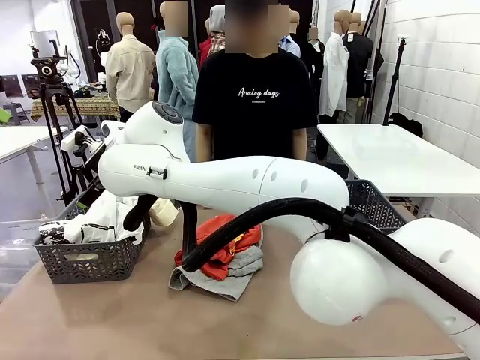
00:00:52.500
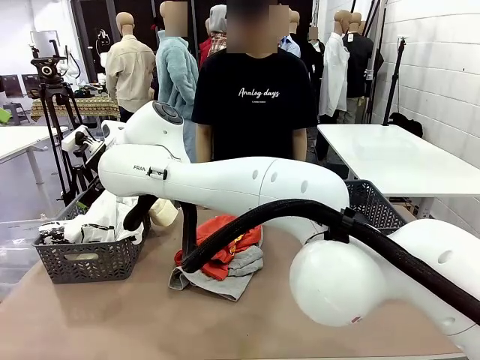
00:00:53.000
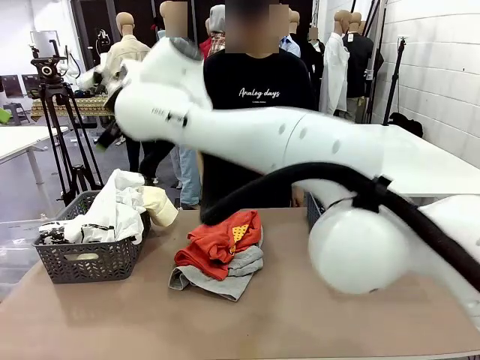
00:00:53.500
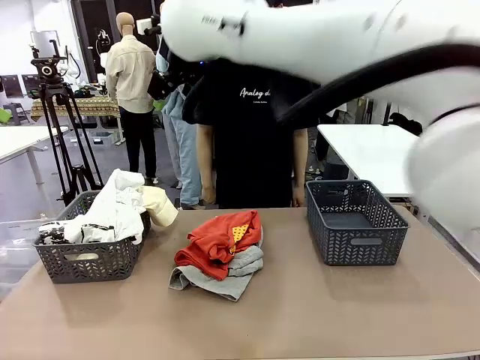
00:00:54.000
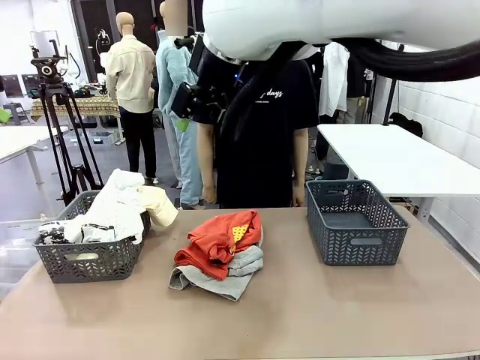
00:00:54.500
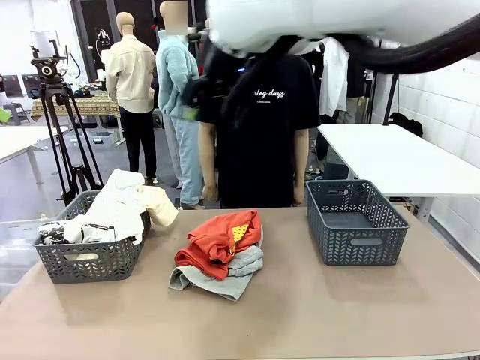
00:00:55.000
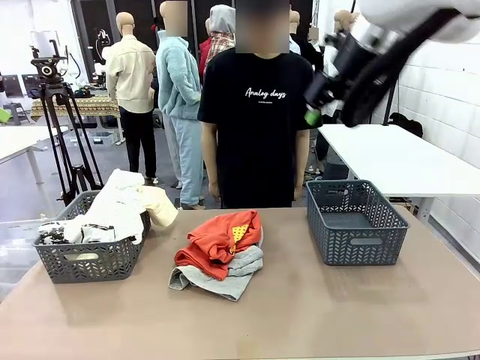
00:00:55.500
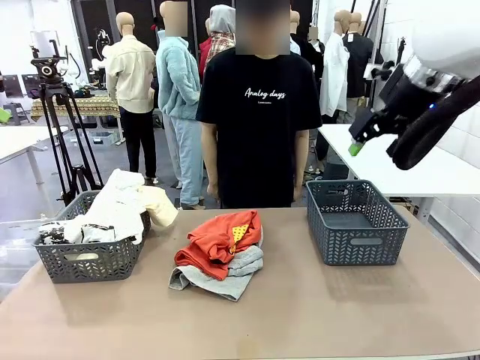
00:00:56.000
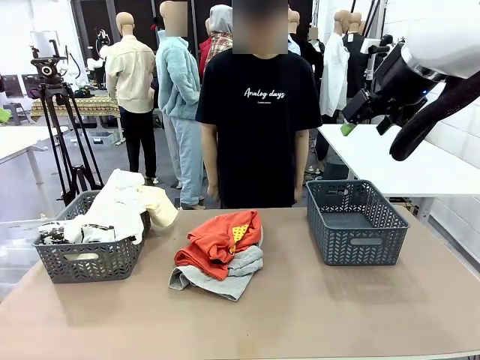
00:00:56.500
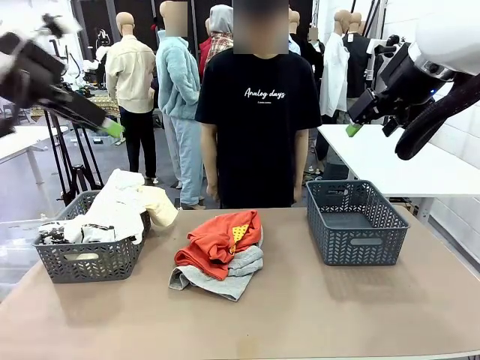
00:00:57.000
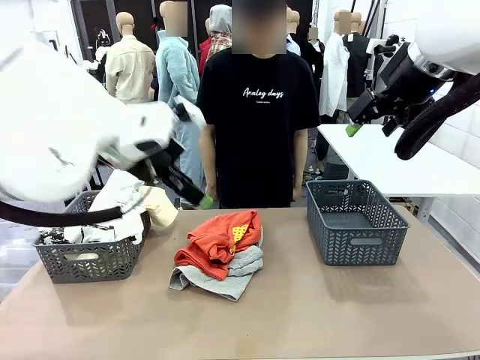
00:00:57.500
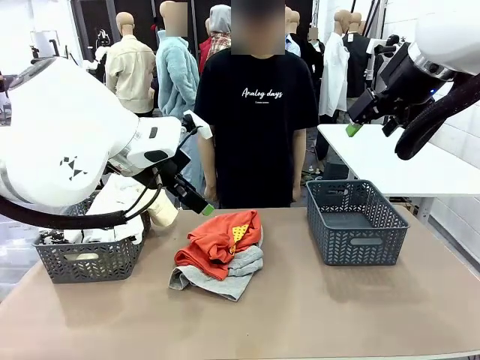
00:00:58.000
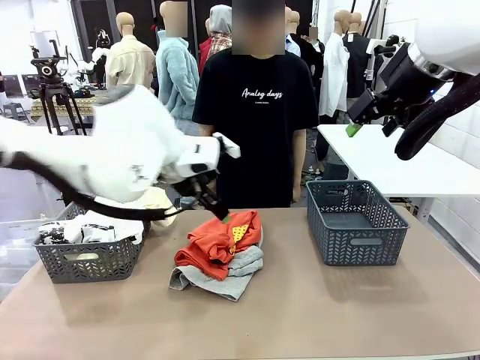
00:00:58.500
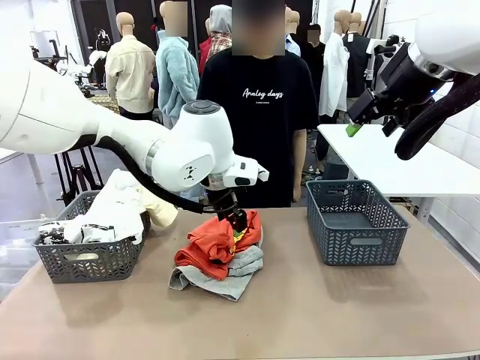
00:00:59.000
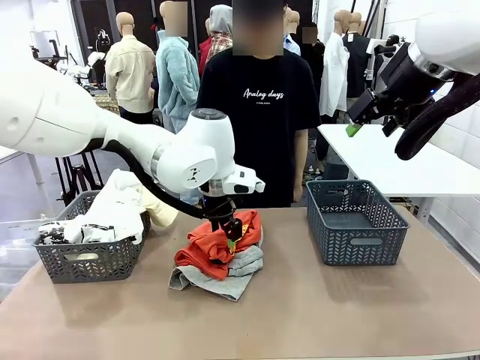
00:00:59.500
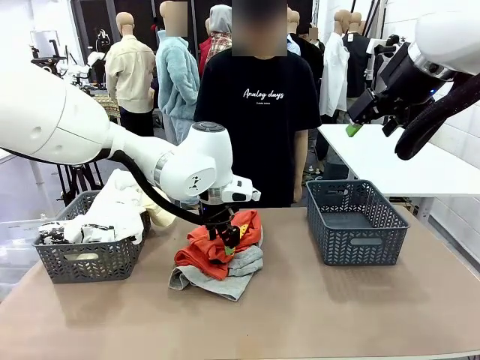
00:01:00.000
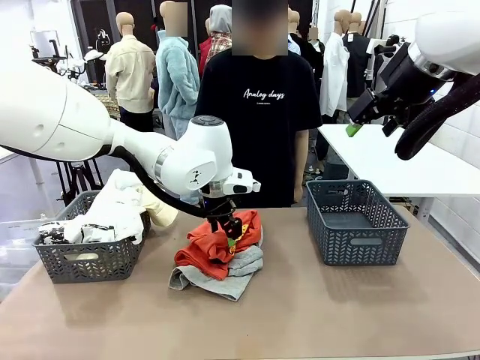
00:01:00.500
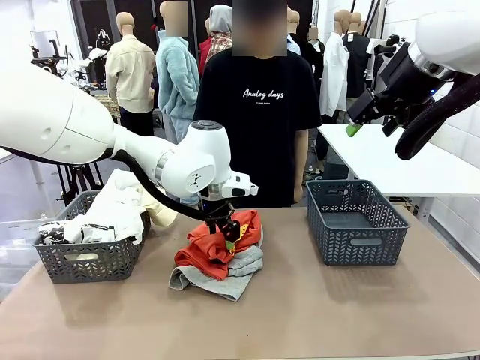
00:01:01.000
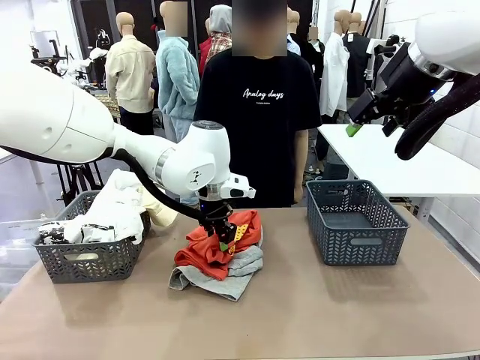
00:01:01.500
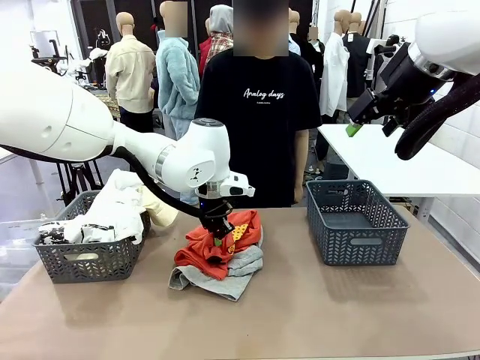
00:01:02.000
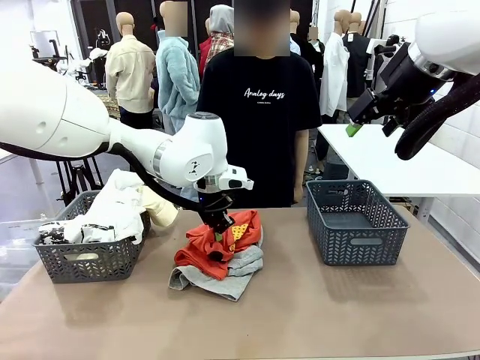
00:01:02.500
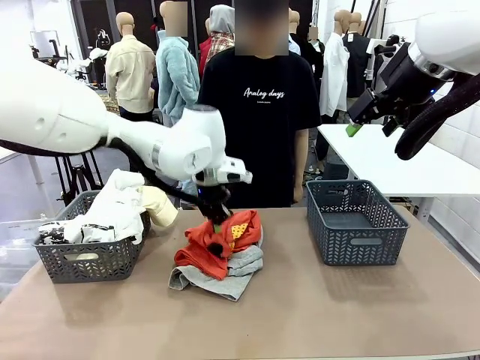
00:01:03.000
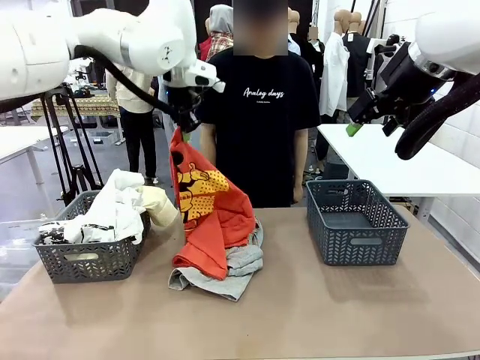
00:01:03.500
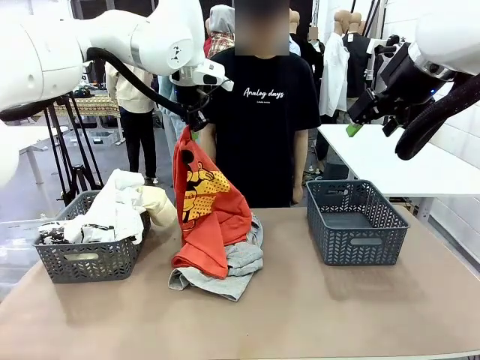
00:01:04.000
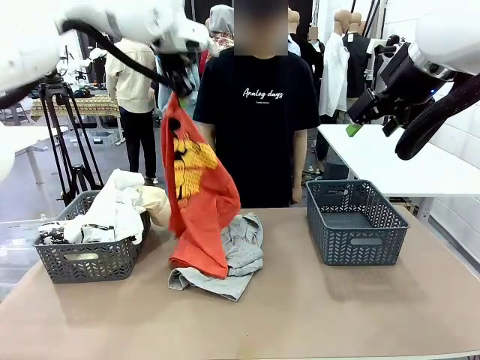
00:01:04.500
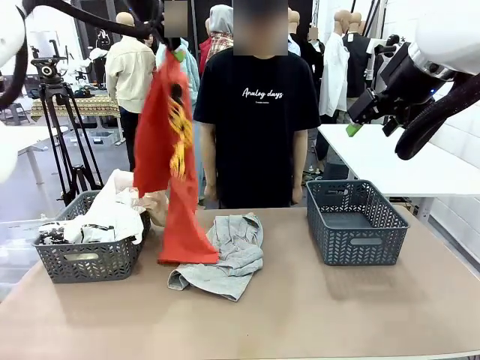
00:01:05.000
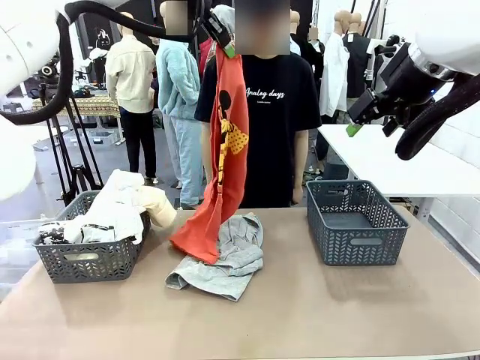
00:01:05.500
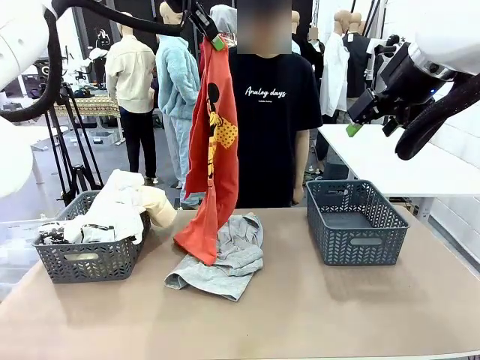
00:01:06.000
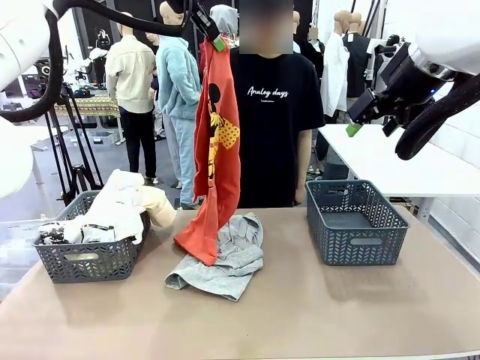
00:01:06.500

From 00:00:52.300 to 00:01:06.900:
Task: Sort the tops and bottoms.
Robot: Lift clothes from the center of the table with your left hand.

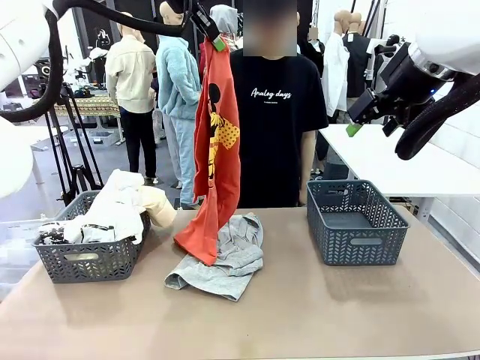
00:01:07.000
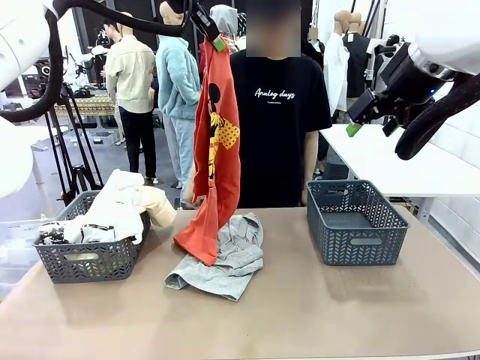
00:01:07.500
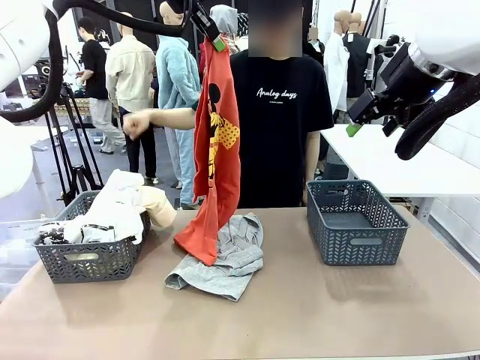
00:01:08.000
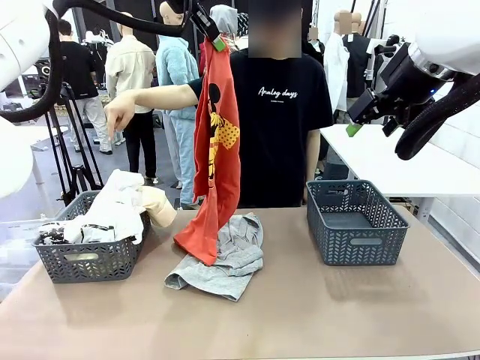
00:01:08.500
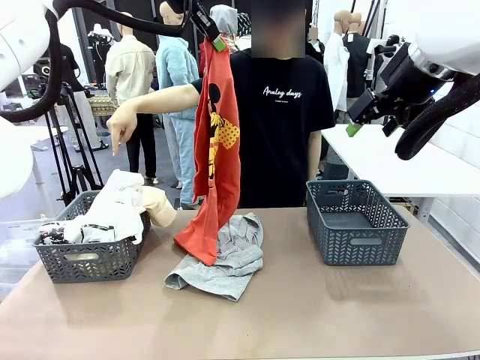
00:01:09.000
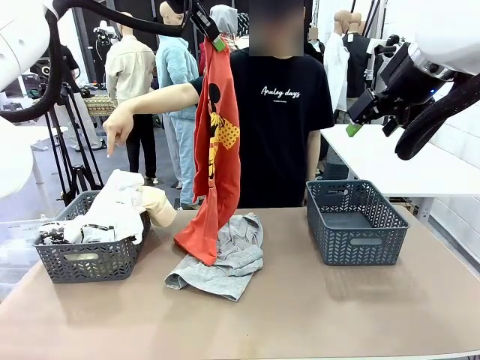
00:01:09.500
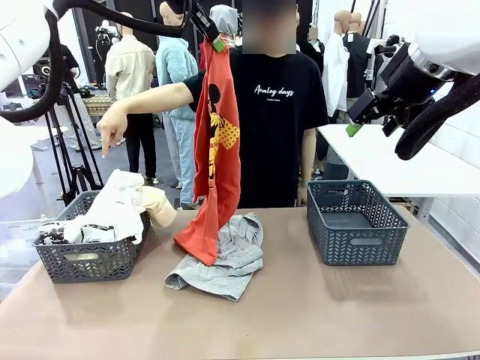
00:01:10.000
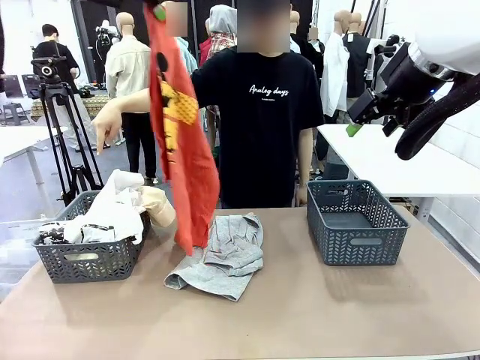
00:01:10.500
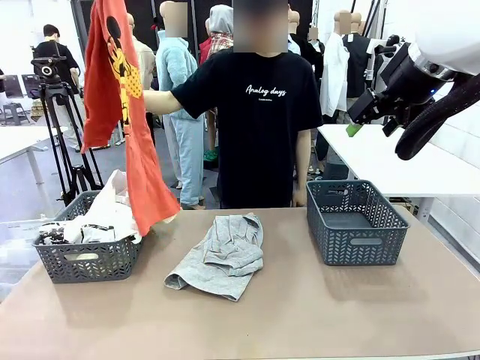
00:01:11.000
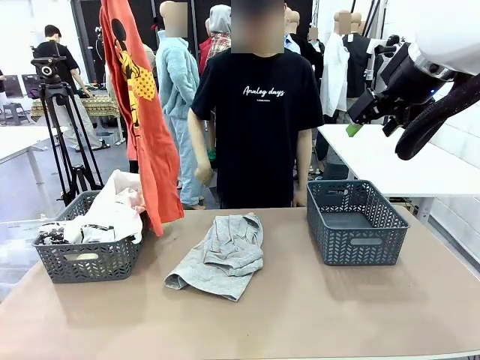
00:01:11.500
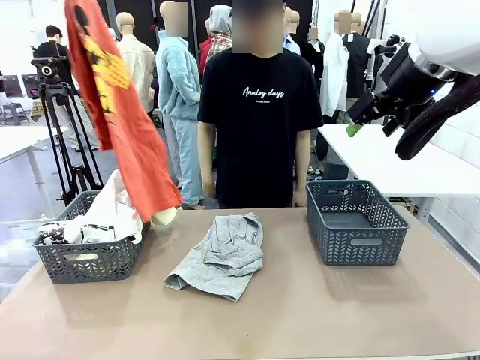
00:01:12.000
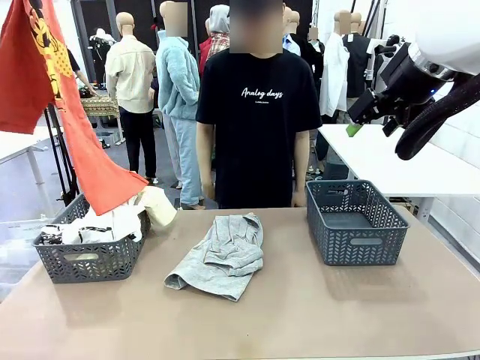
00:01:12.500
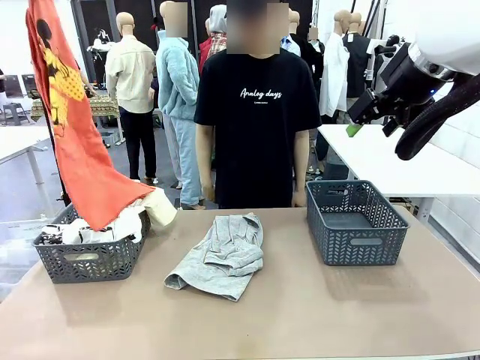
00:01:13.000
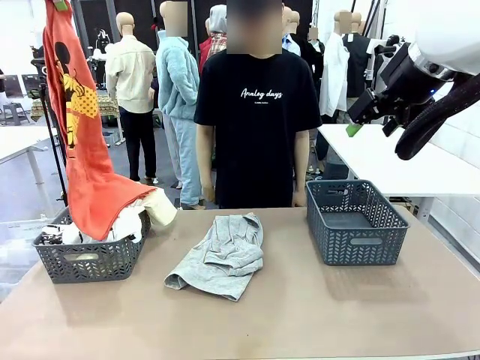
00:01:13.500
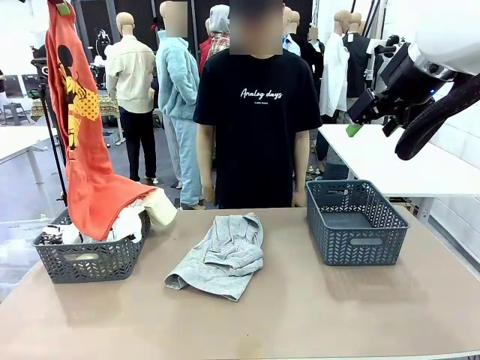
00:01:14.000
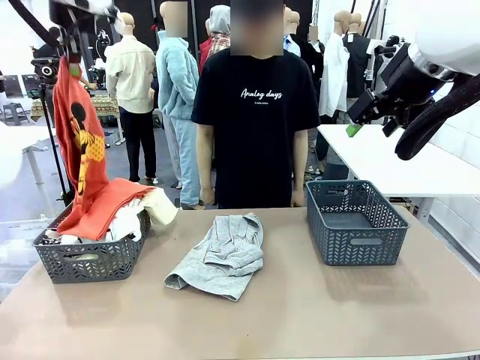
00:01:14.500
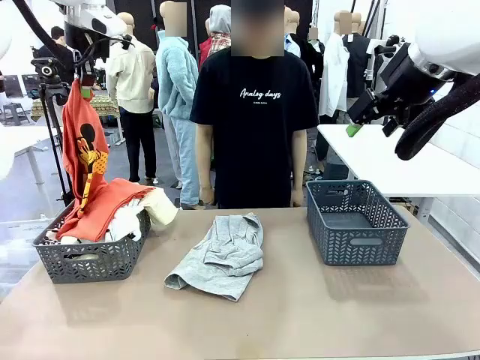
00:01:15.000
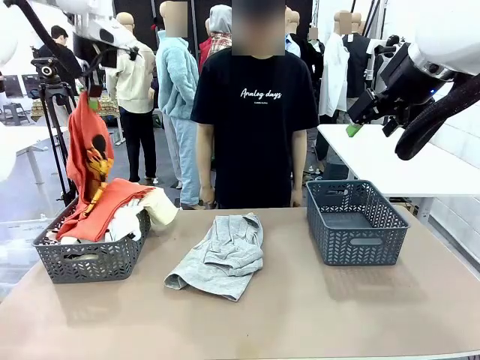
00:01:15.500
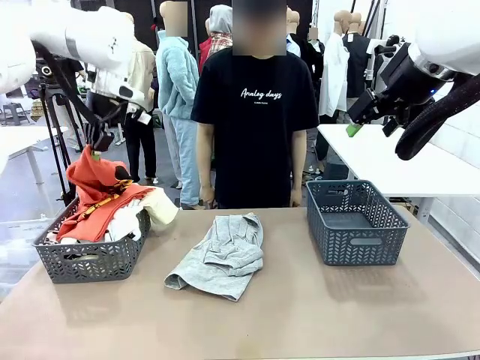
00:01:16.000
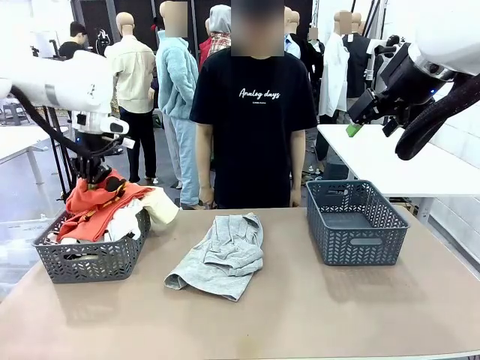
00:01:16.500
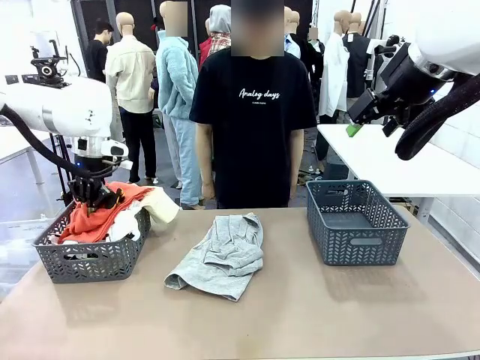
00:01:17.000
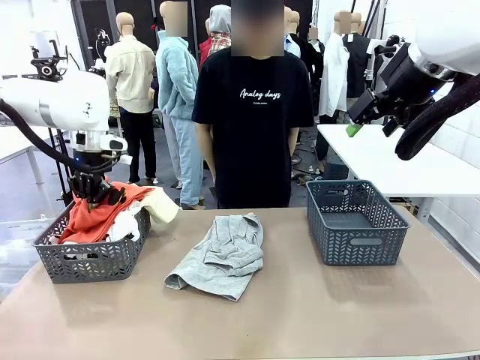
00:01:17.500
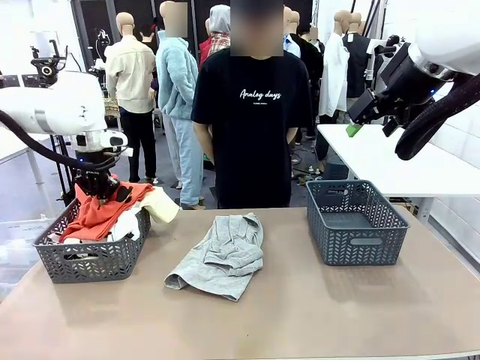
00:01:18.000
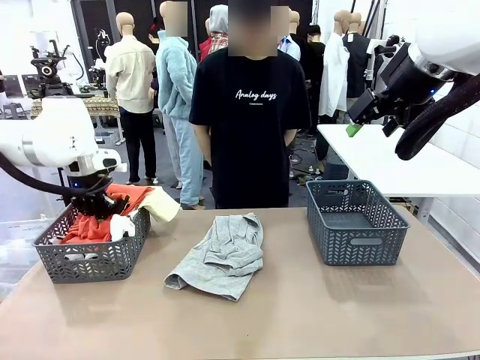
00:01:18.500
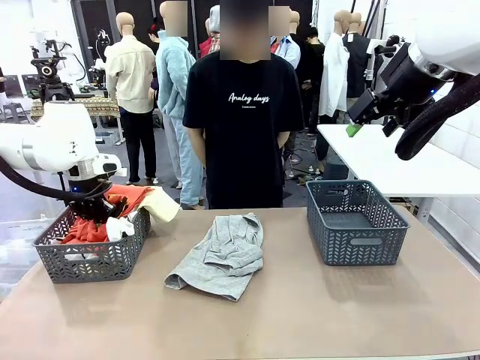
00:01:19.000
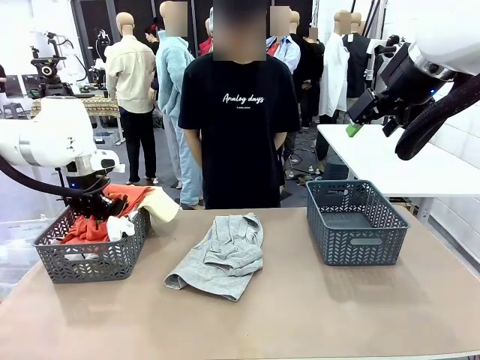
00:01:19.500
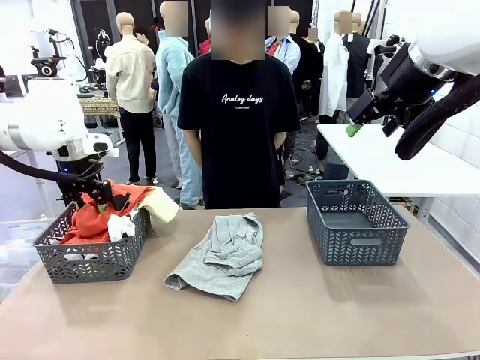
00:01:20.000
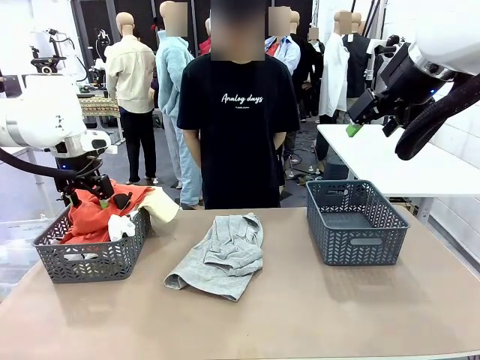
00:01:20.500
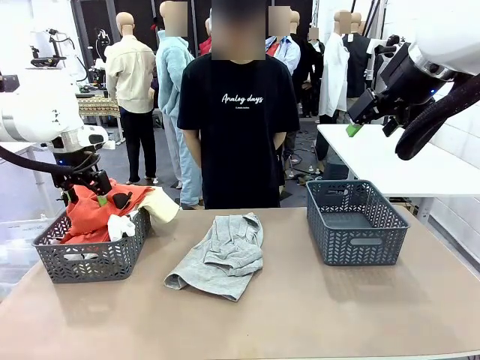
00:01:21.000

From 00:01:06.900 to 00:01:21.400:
Robot: Sort the clothes according to human instructions.
